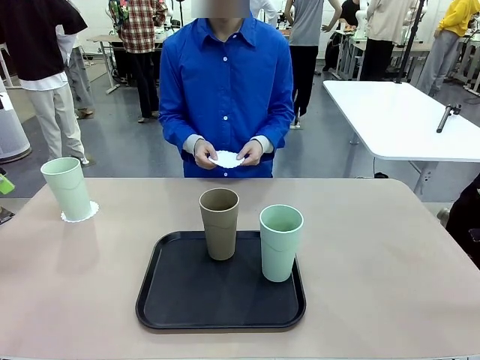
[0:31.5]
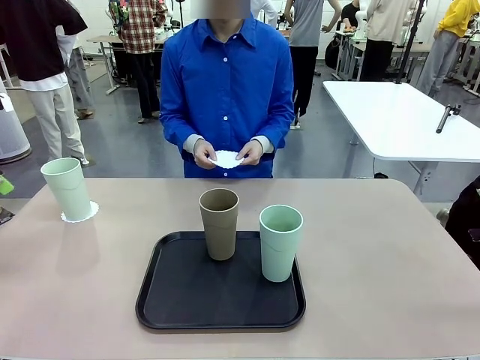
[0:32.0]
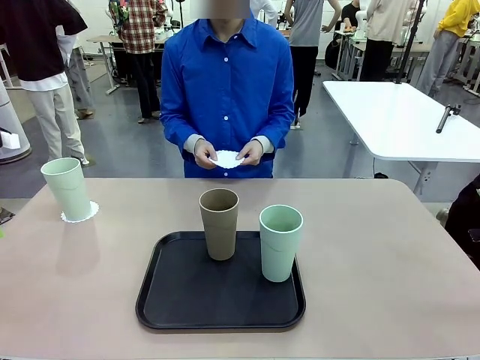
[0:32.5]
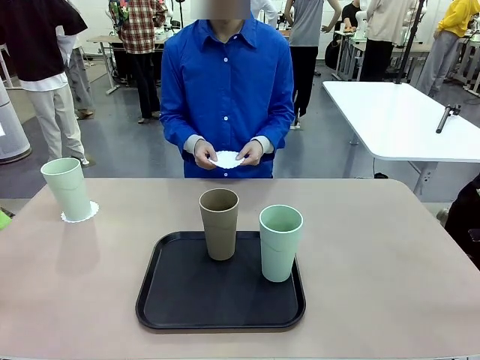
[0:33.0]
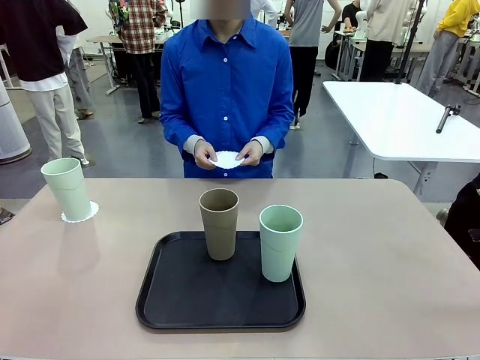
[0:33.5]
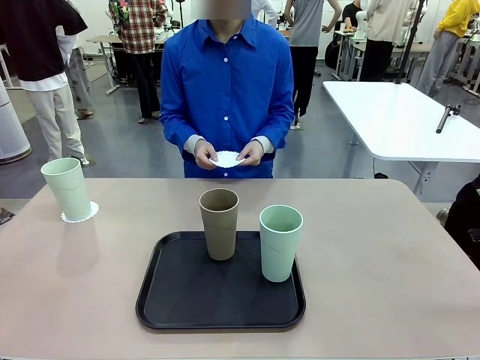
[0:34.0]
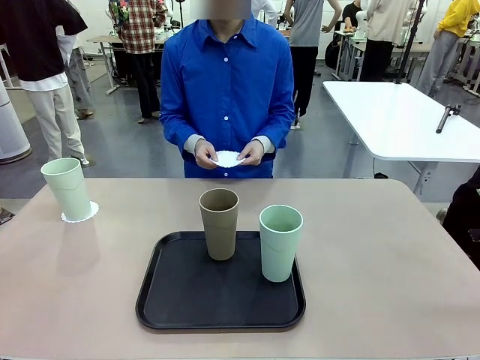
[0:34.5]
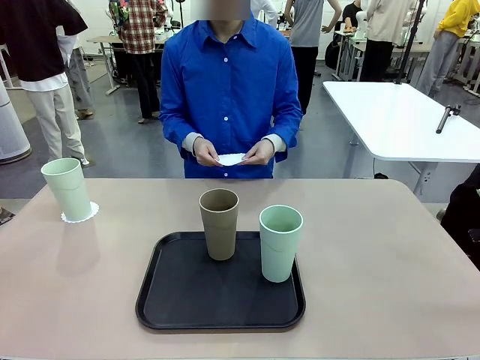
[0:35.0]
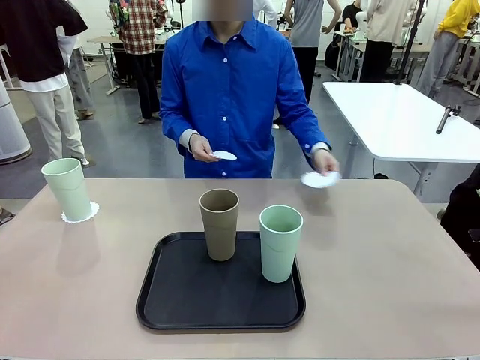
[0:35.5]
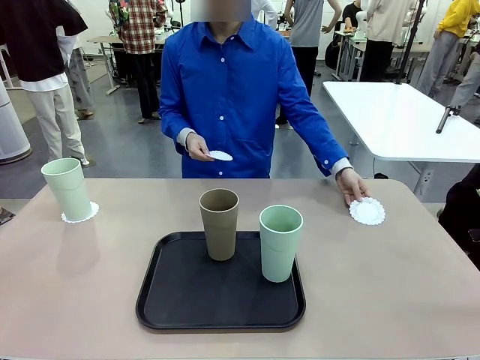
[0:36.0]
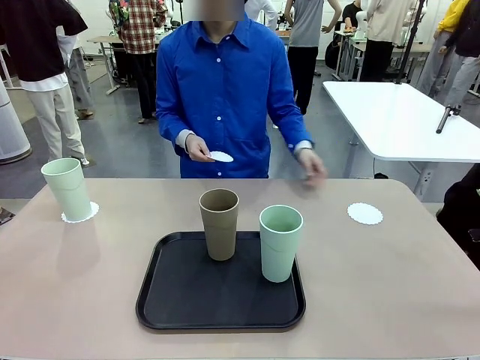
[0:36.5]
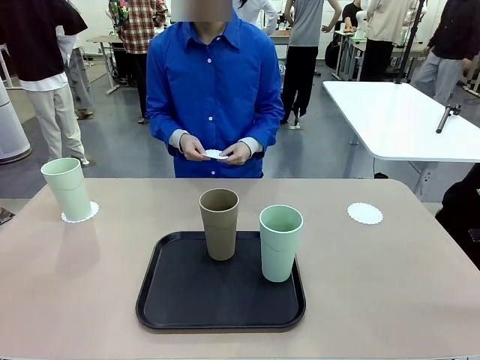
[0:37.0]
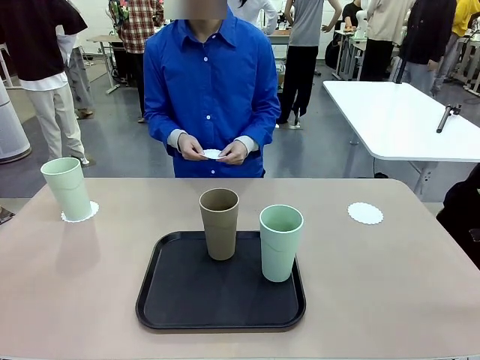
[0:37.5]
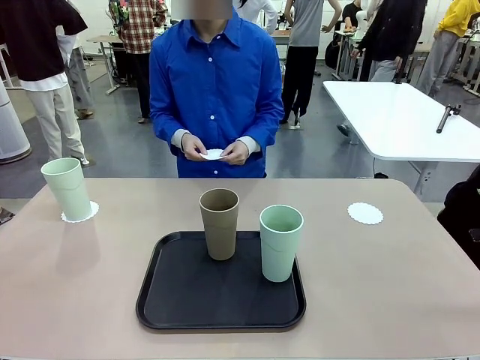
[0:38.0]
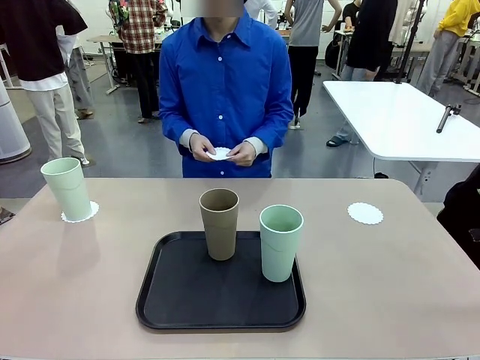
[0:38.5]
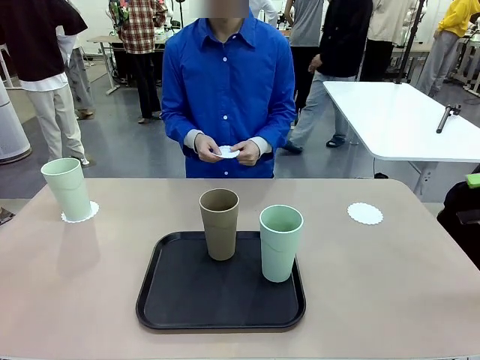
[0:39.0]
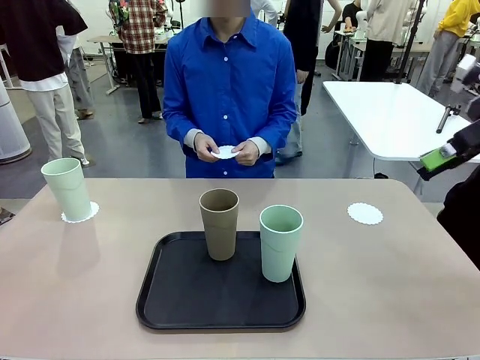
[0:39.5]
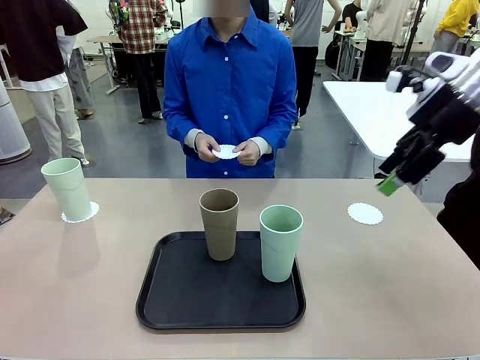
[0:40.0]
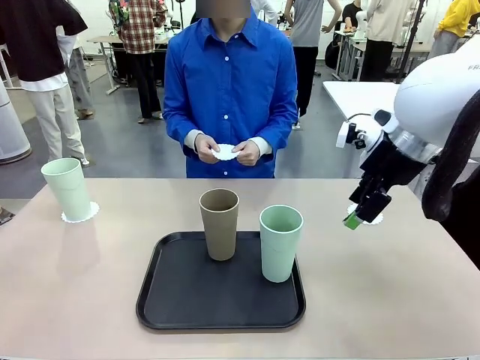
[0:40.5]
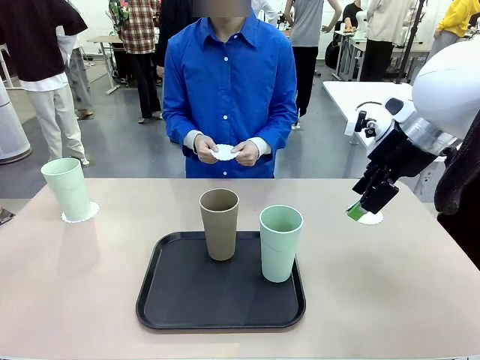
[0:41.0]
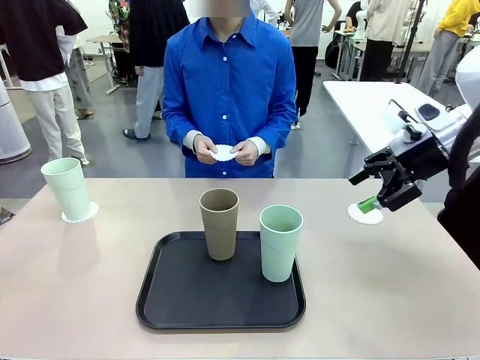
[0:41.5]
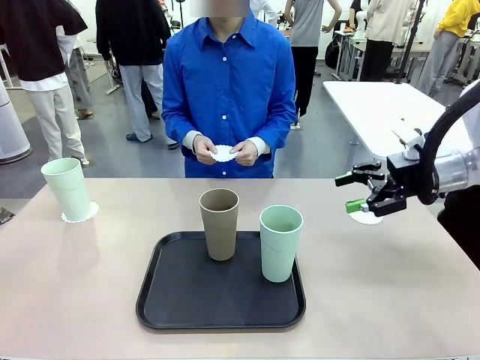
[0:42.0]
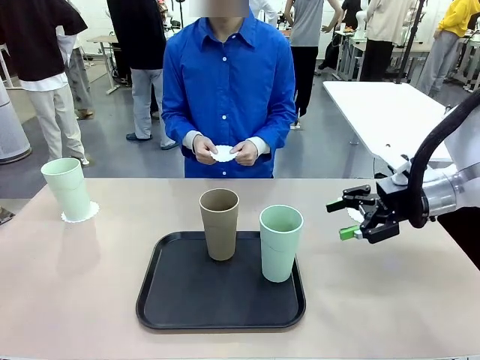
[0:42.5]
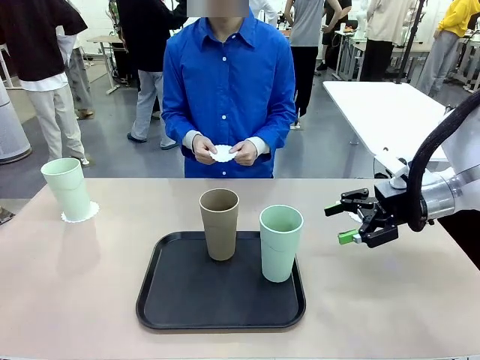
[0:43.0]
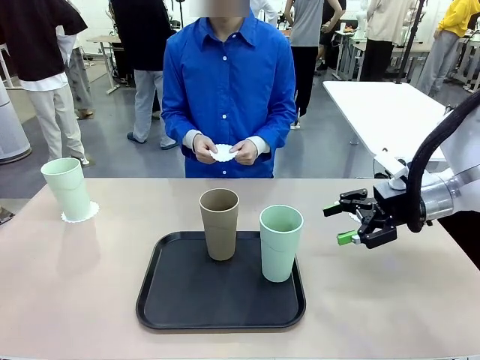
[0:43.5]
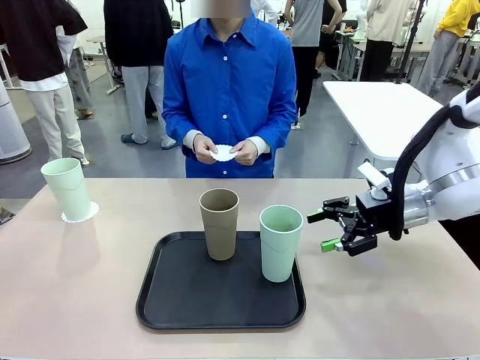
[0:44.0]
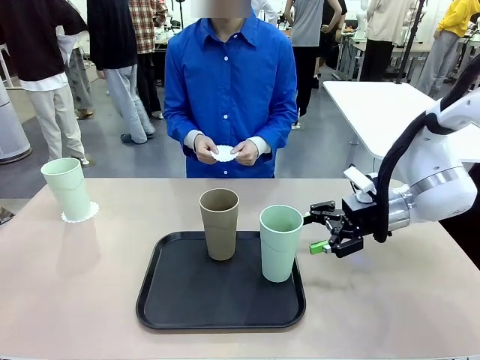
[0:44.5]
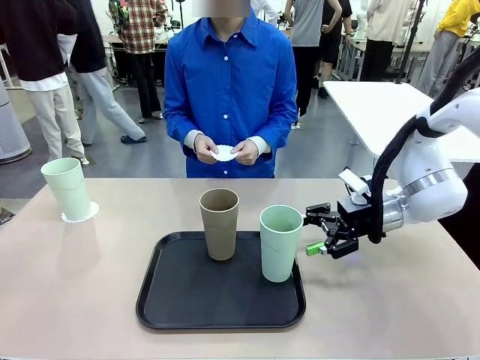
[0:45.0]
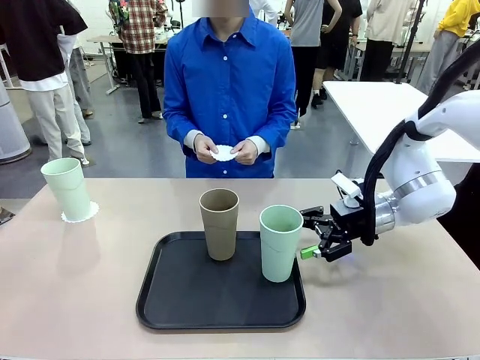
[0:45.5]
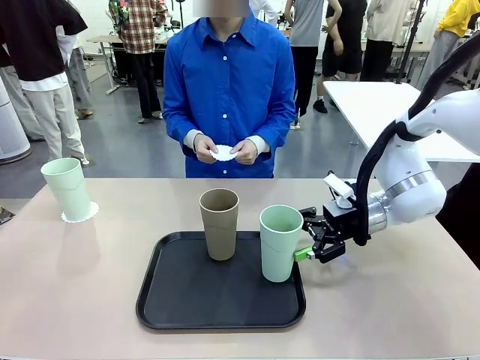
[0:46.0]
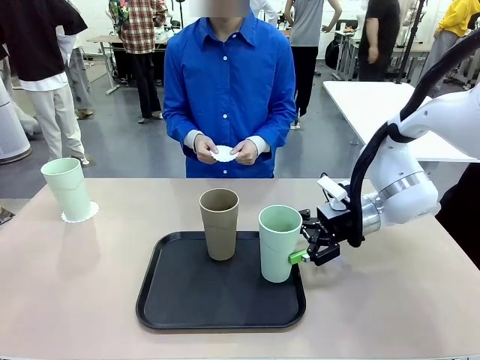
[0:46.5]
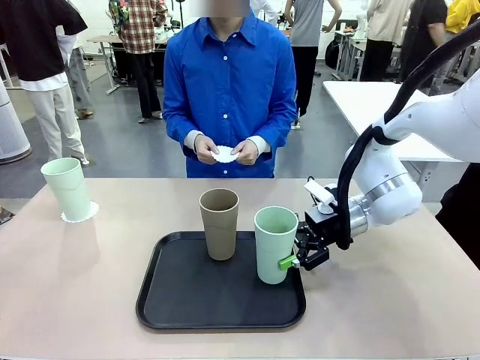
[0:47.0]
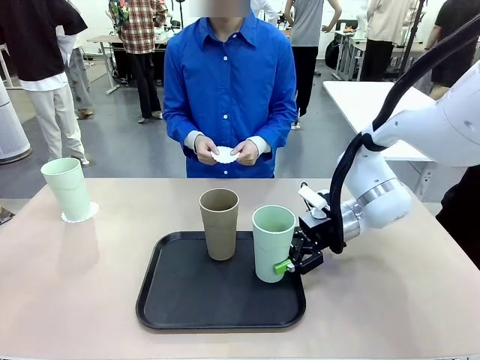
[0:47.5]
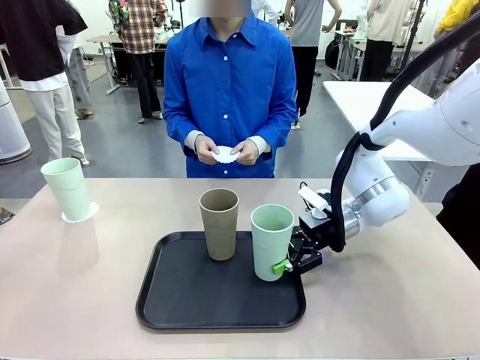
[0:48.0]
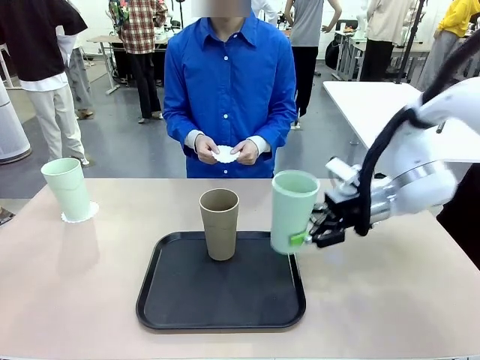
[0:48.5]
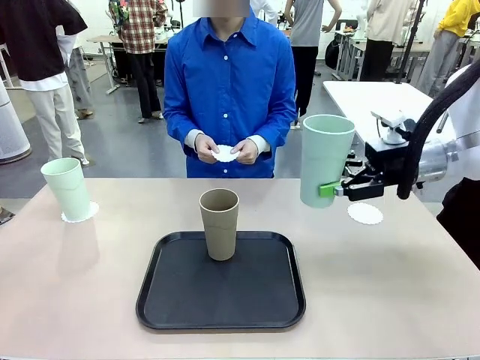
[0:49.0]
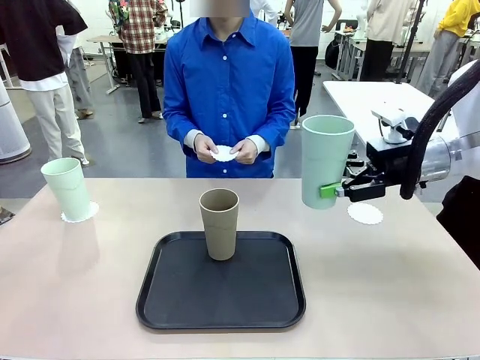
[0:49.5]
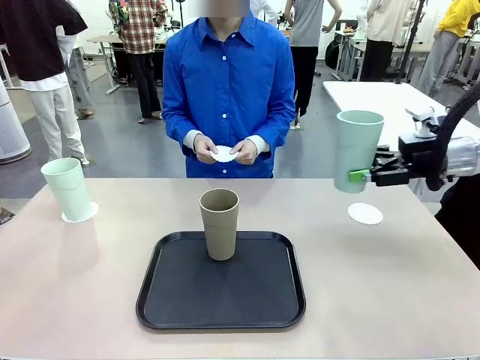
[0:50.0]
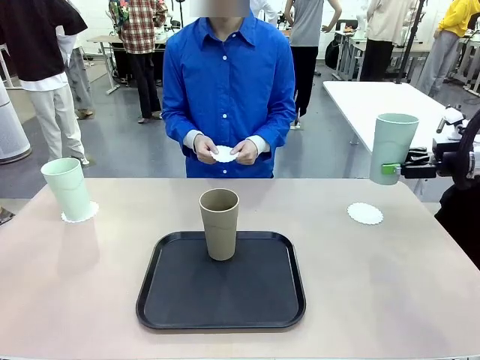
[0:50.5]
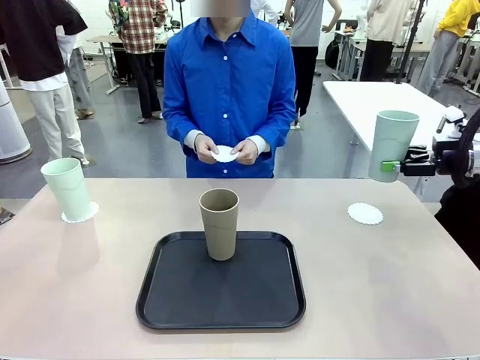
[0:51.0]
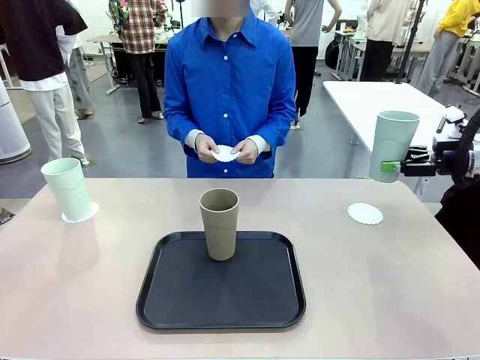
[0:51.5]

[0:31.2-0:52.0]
Task: Place coasters on the table and set cups on them.
Robot: Take one Reusable plastic cup from the Flat Tray and place it on a coaster set by the human.
